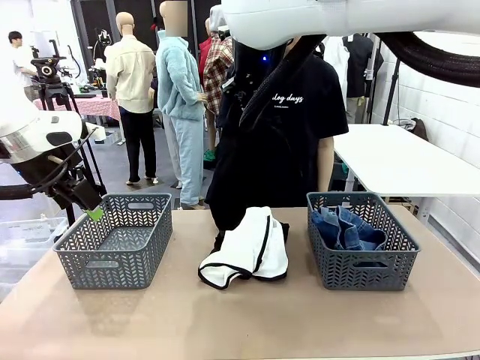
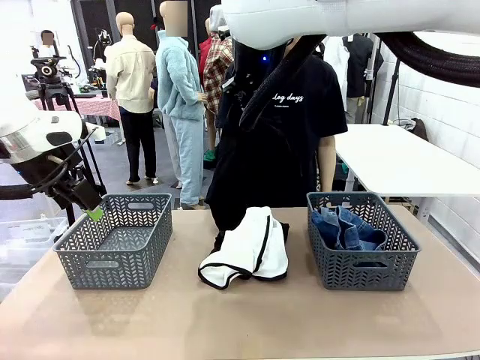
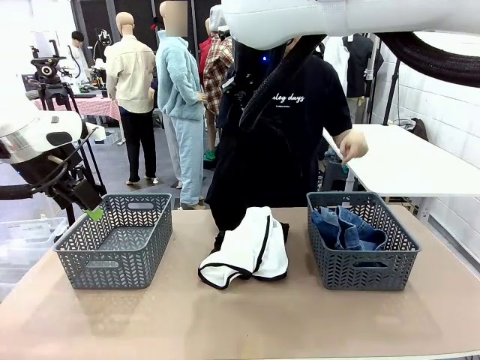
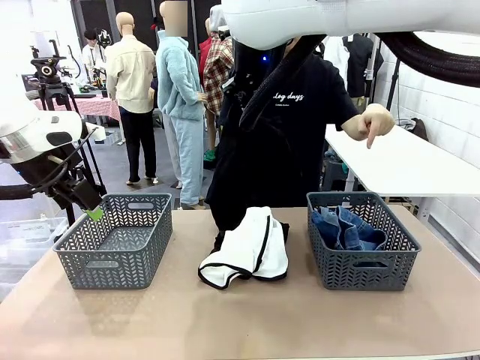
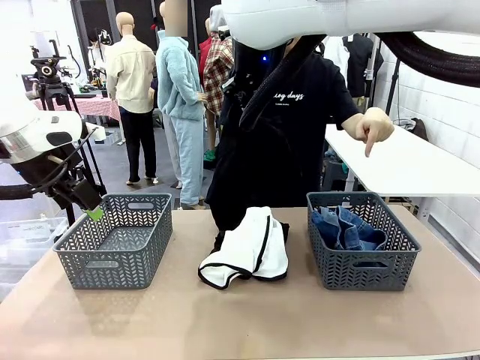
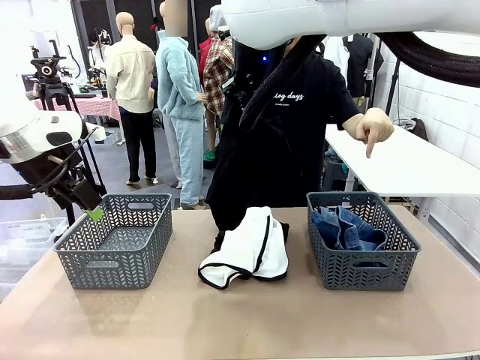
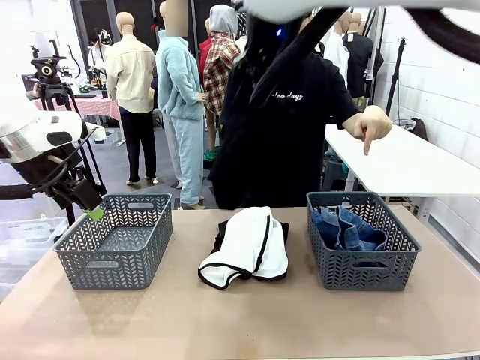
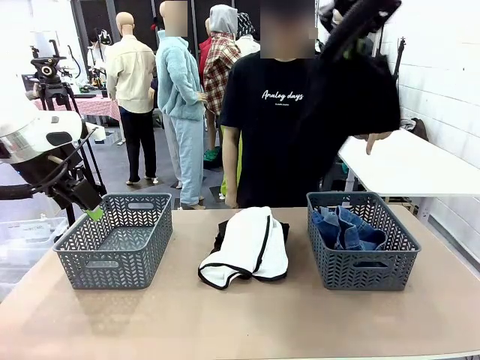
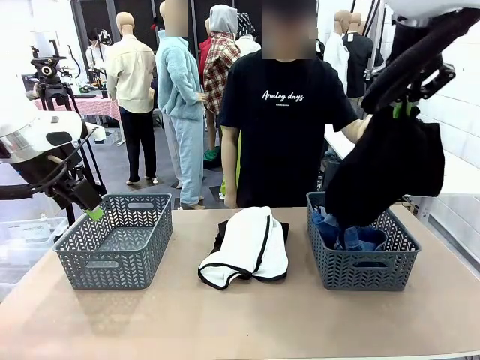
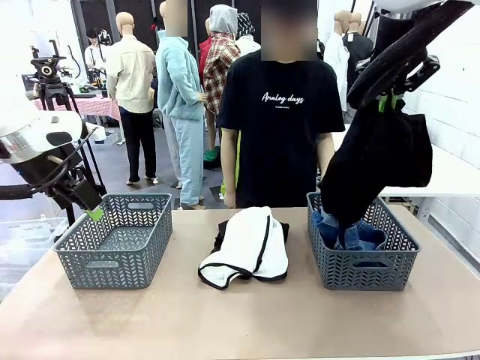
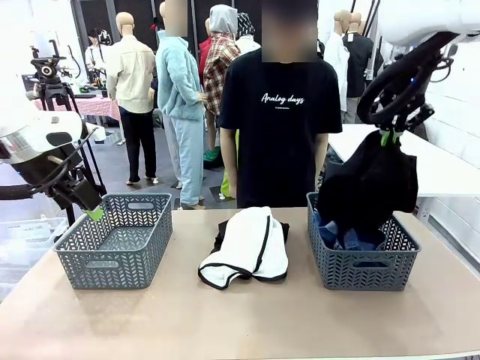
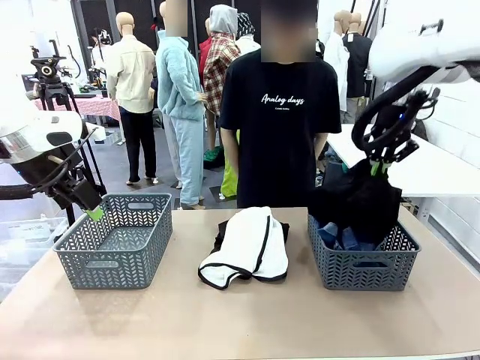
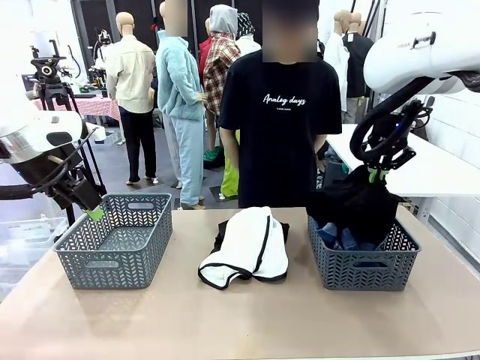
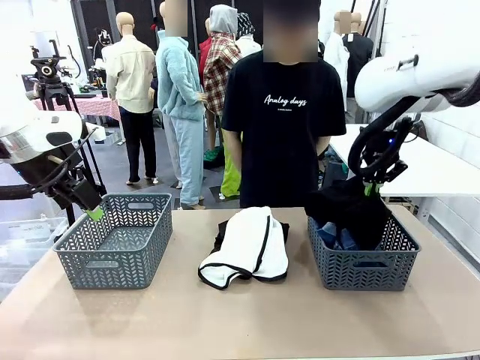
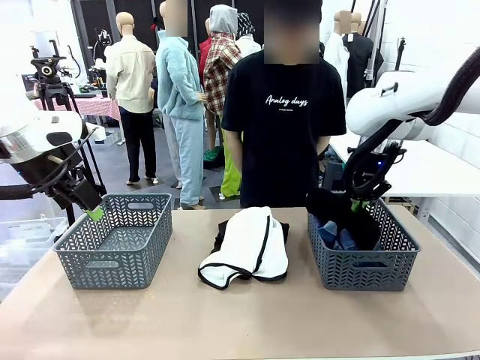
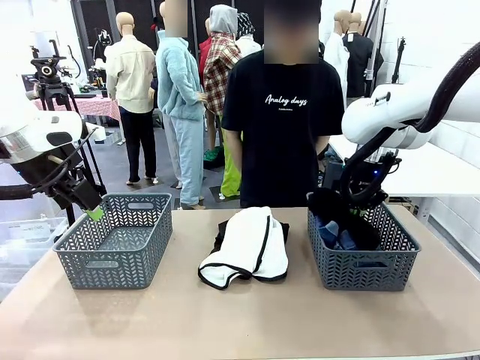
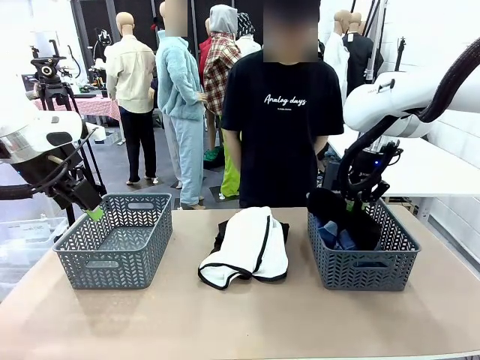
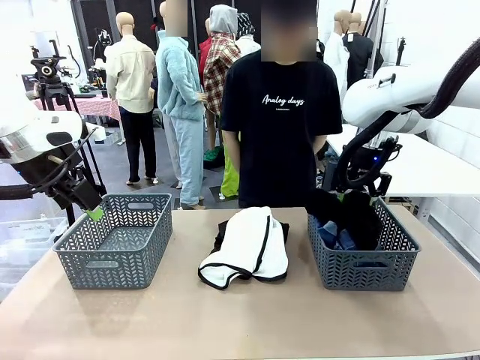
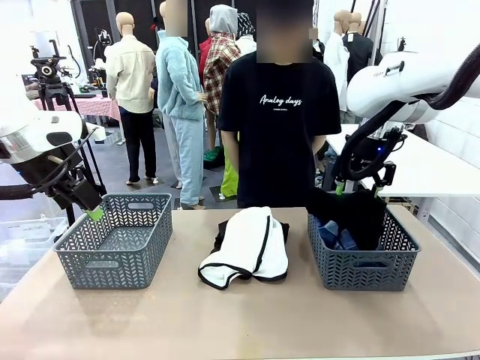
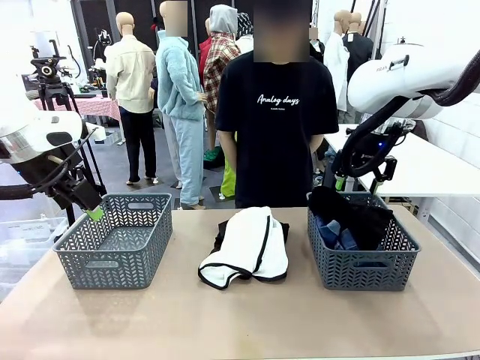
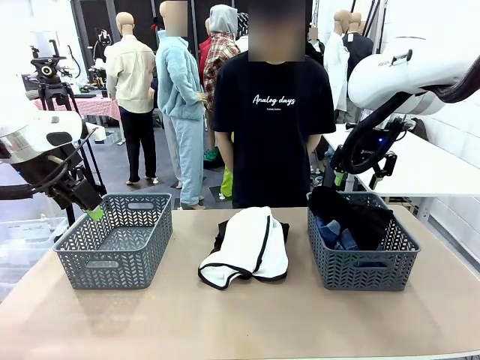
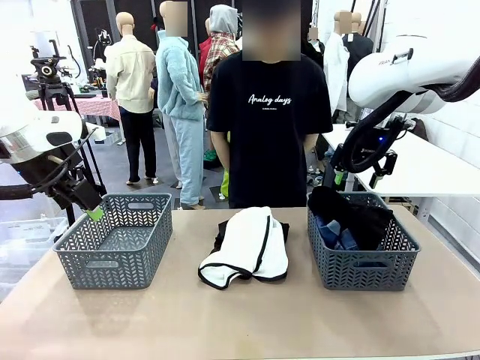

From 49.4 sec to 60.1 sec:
Task: Sort the tops and bottoms.
Robot: Sort the clothes according to human instructions.

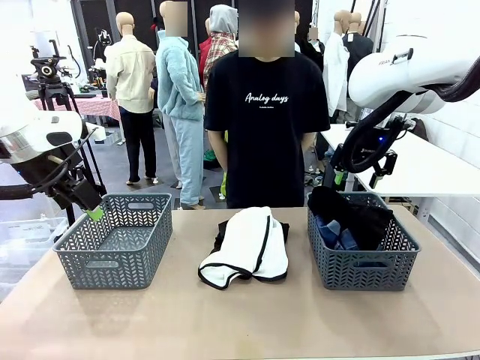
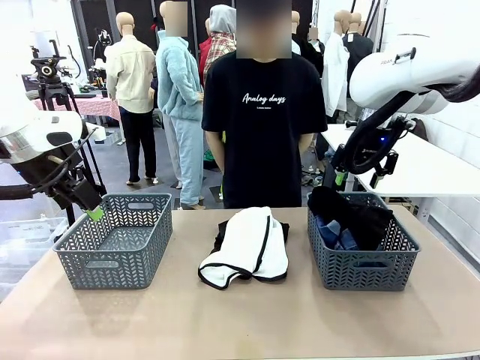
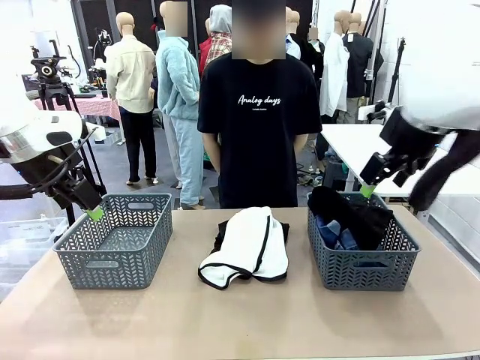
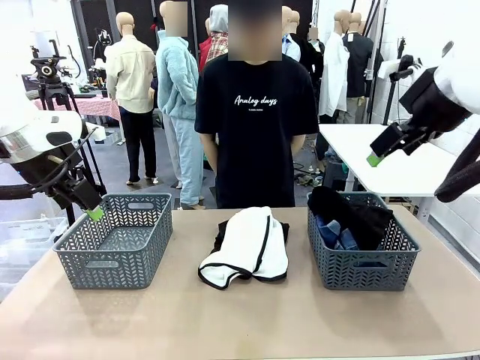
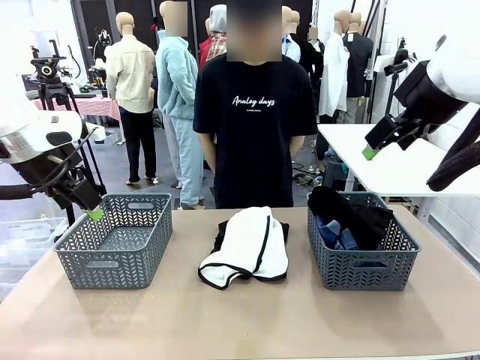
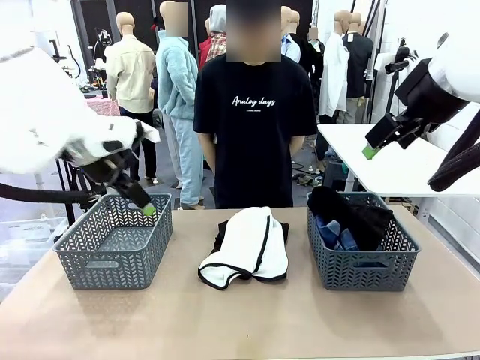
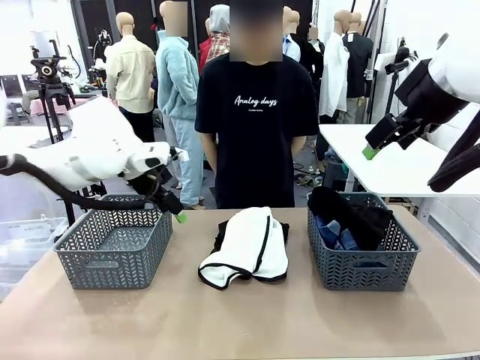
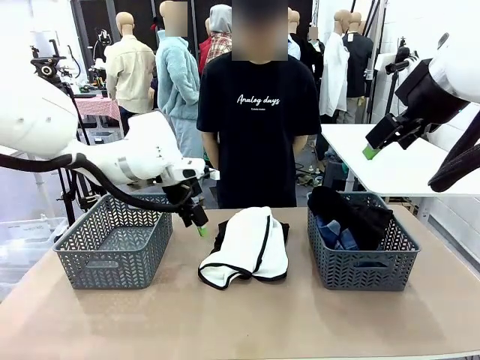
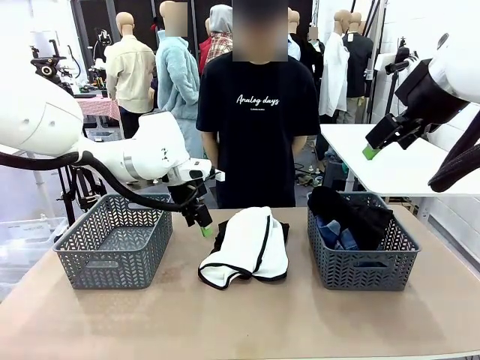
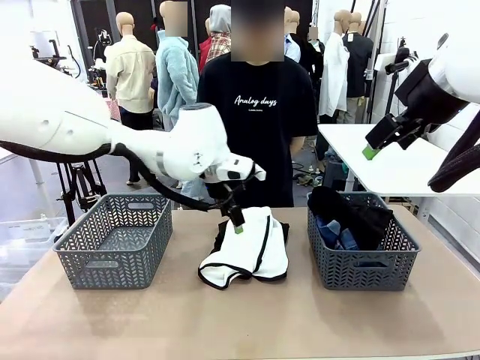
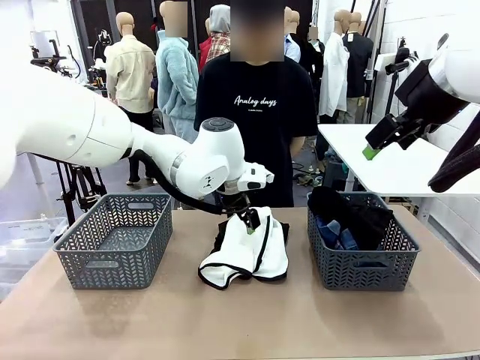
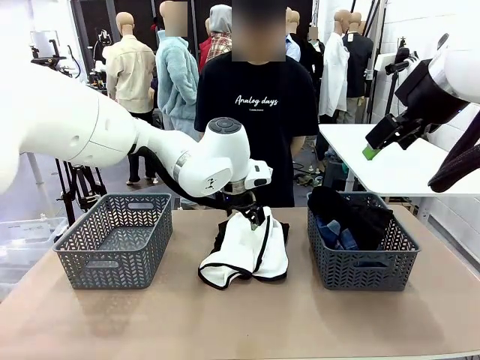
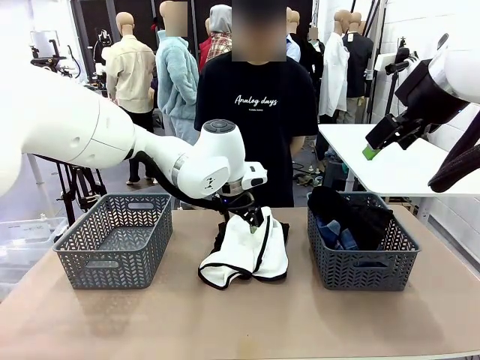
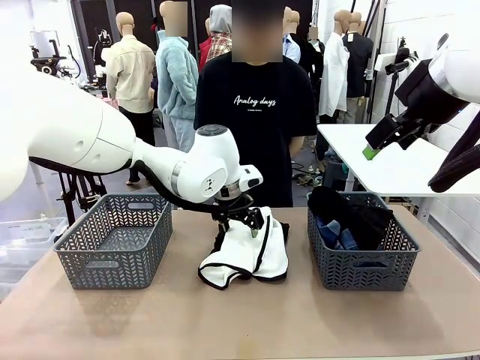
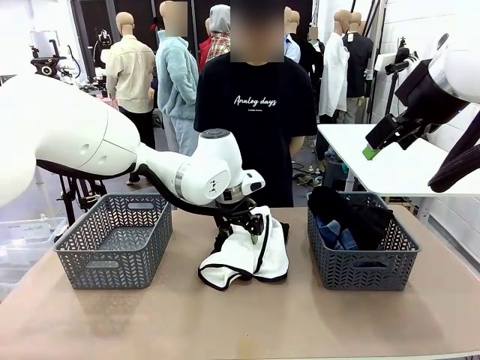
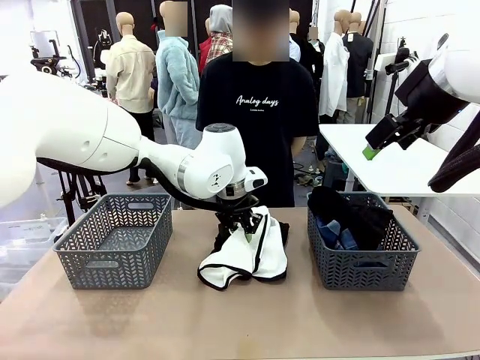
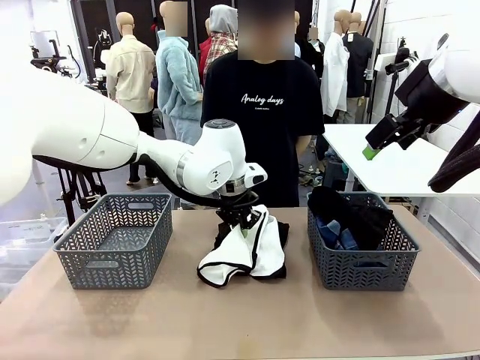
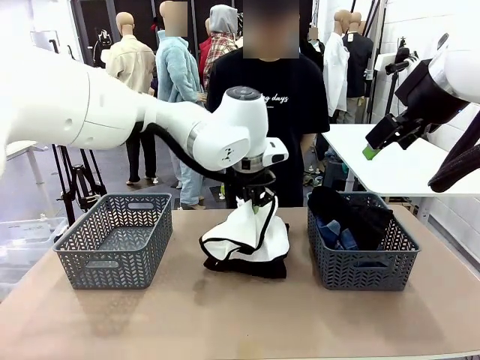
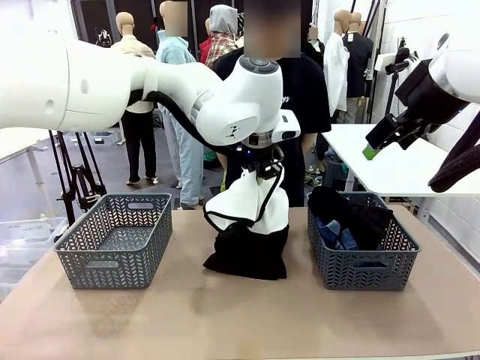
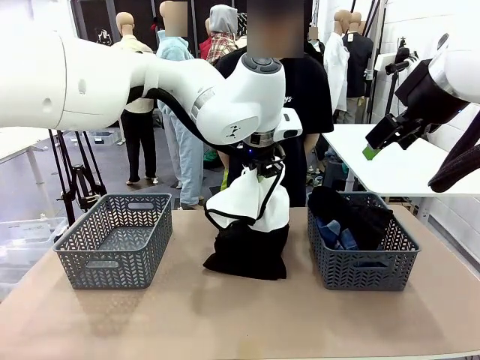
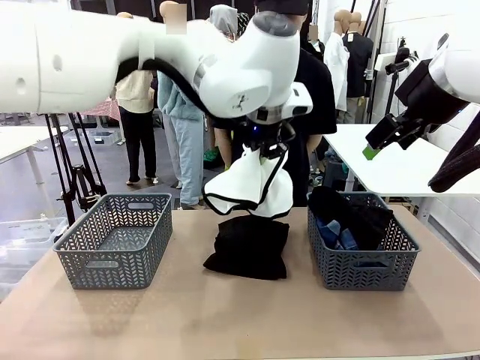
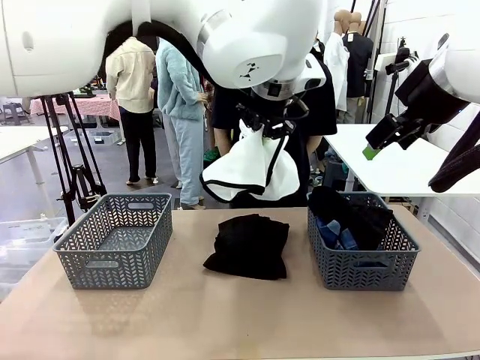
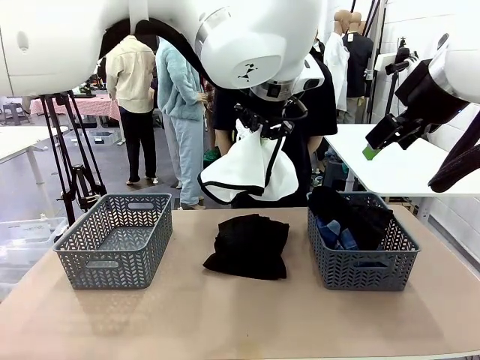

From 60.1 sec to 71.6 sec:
Robot: Lift clothes from the center of the table with your left hand.
